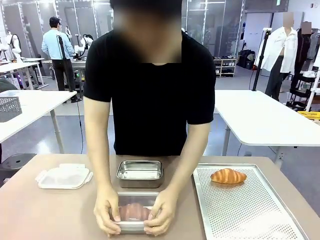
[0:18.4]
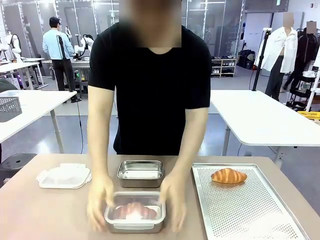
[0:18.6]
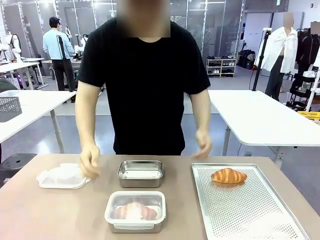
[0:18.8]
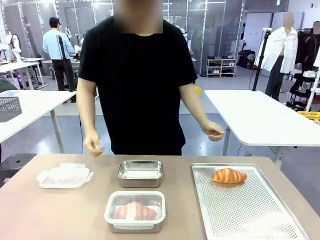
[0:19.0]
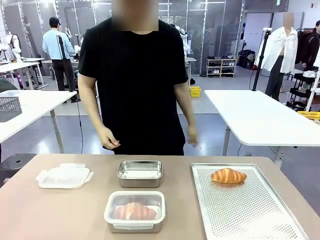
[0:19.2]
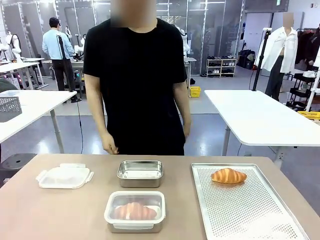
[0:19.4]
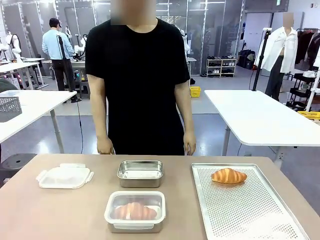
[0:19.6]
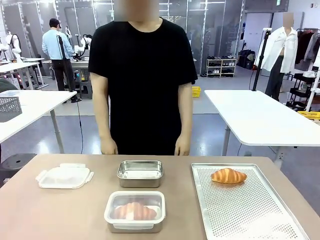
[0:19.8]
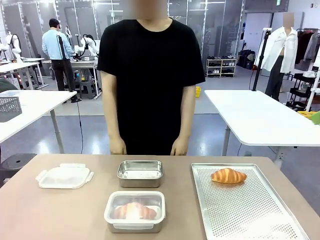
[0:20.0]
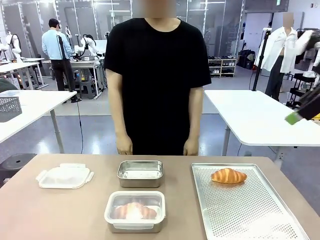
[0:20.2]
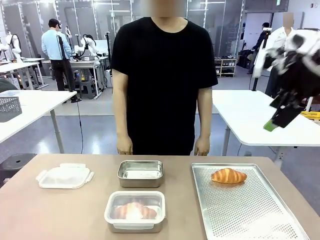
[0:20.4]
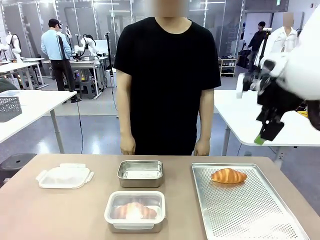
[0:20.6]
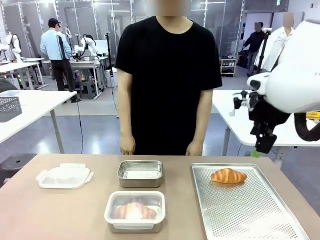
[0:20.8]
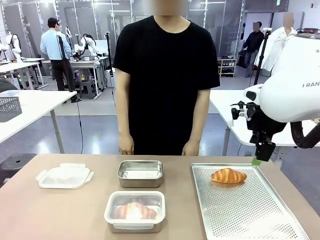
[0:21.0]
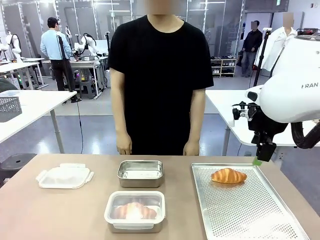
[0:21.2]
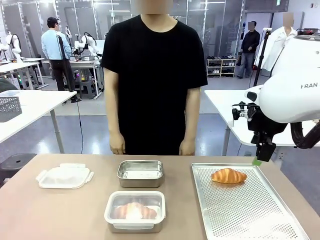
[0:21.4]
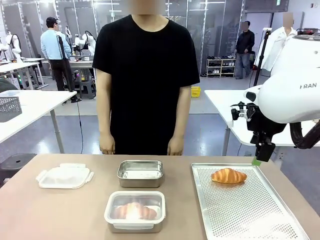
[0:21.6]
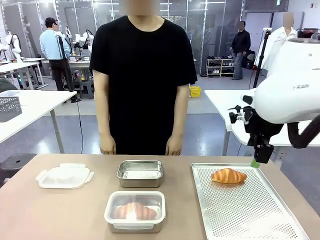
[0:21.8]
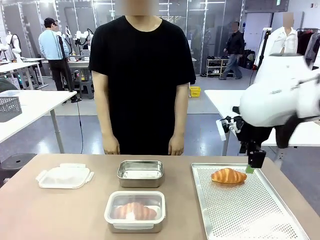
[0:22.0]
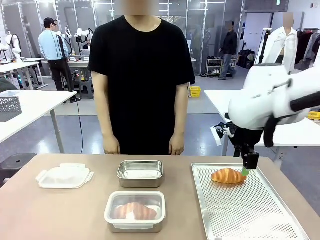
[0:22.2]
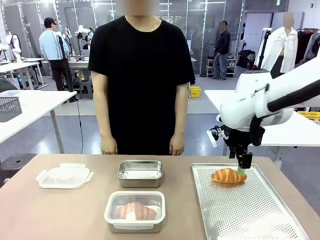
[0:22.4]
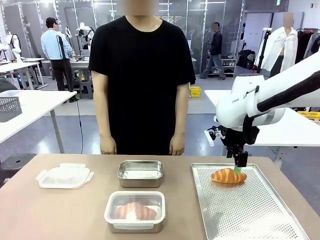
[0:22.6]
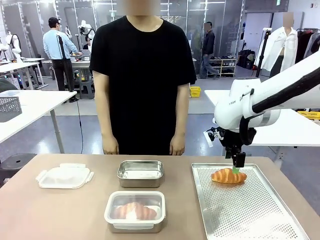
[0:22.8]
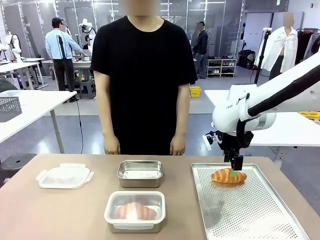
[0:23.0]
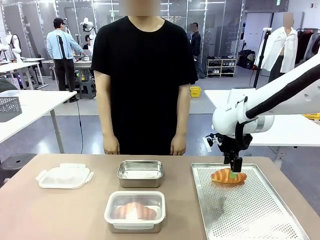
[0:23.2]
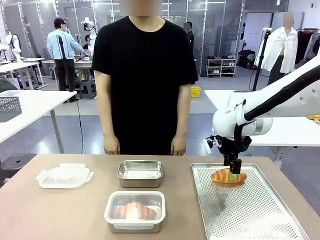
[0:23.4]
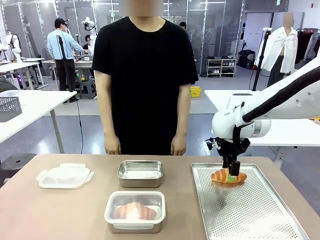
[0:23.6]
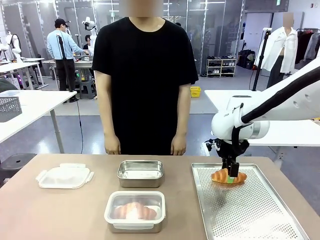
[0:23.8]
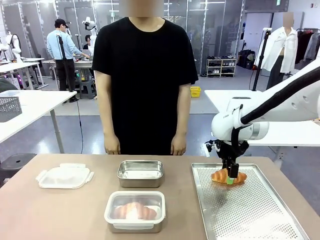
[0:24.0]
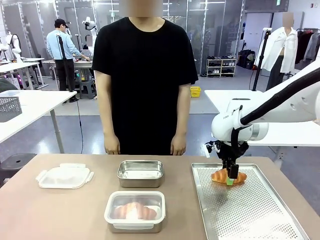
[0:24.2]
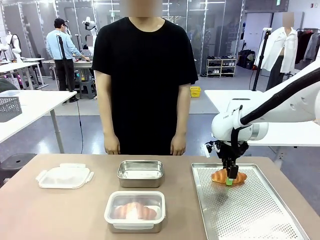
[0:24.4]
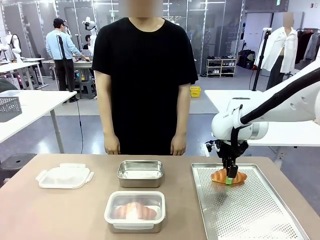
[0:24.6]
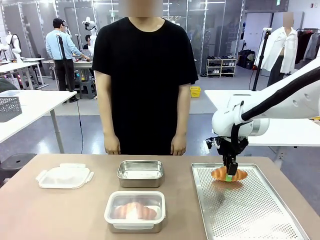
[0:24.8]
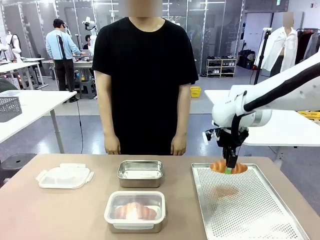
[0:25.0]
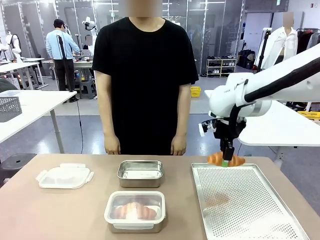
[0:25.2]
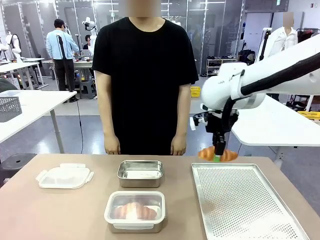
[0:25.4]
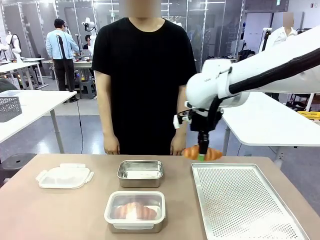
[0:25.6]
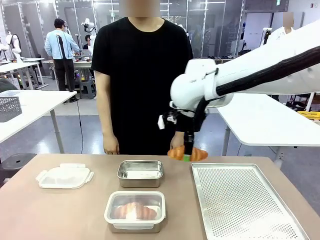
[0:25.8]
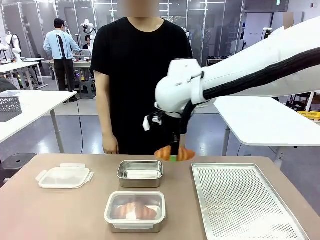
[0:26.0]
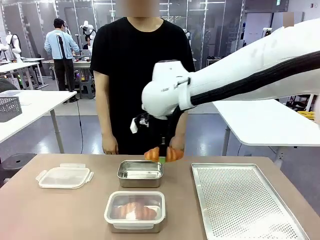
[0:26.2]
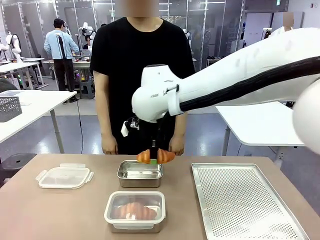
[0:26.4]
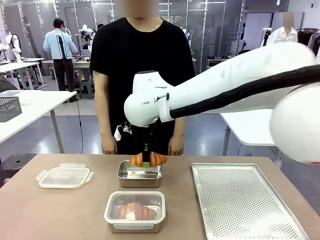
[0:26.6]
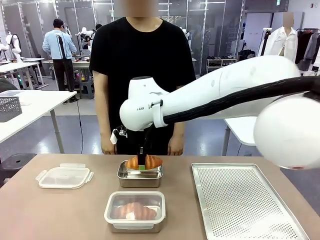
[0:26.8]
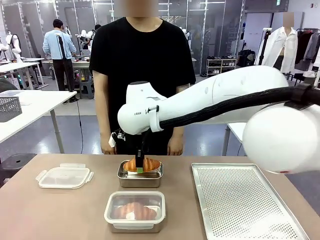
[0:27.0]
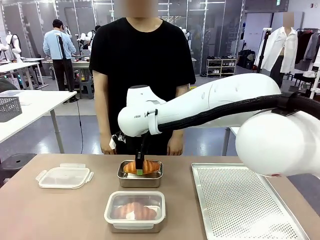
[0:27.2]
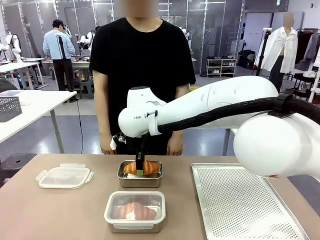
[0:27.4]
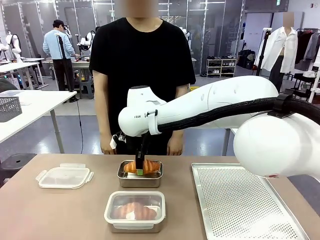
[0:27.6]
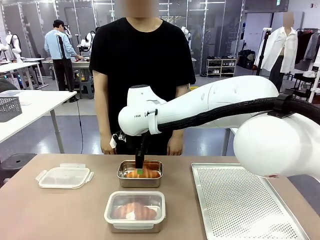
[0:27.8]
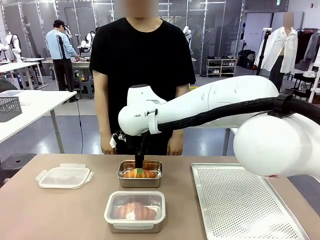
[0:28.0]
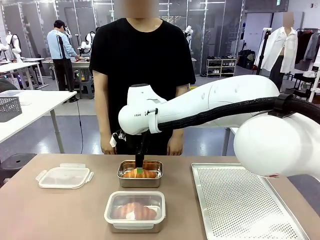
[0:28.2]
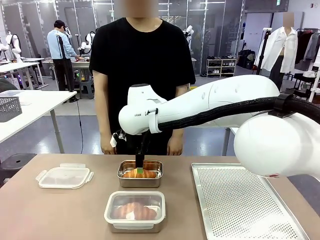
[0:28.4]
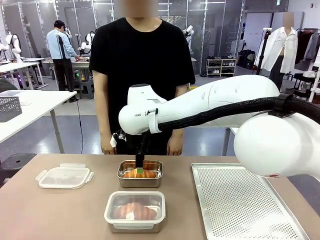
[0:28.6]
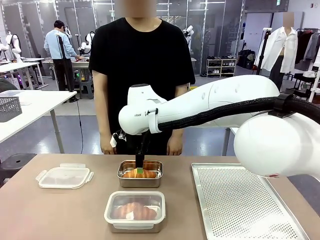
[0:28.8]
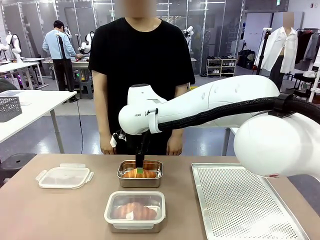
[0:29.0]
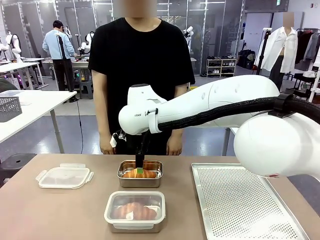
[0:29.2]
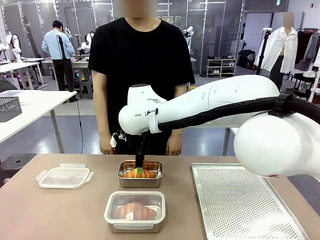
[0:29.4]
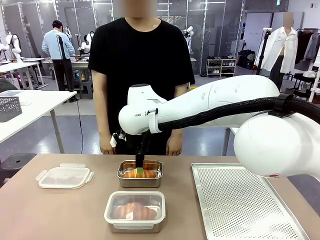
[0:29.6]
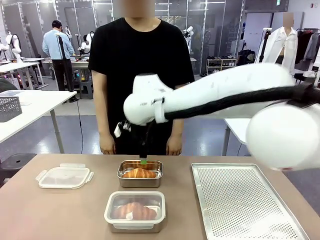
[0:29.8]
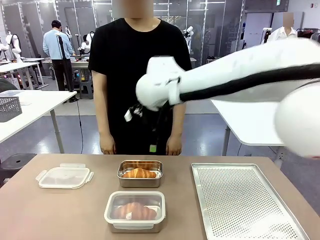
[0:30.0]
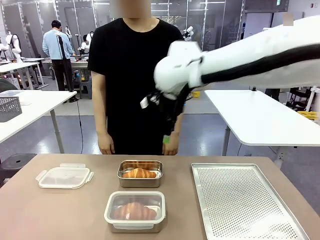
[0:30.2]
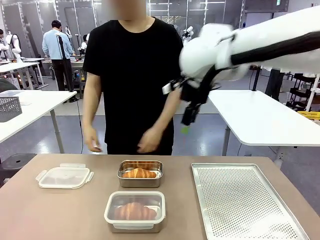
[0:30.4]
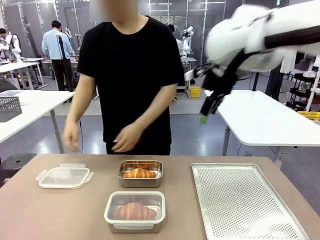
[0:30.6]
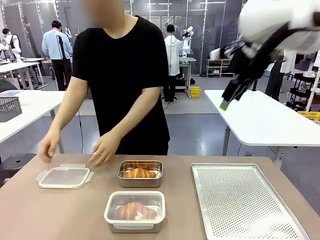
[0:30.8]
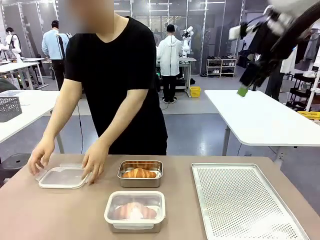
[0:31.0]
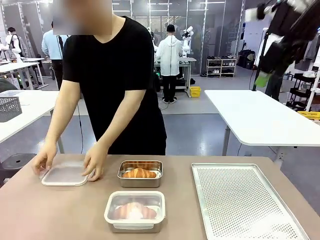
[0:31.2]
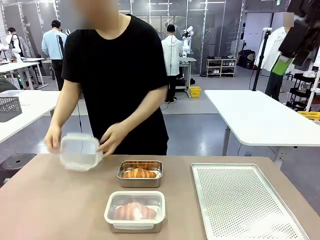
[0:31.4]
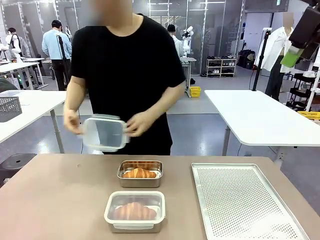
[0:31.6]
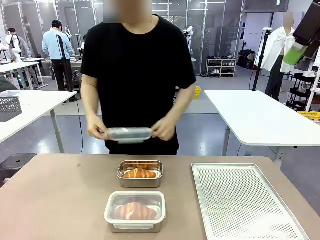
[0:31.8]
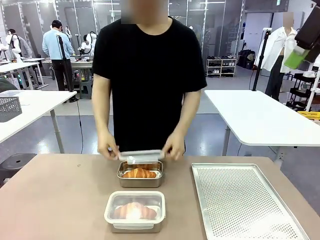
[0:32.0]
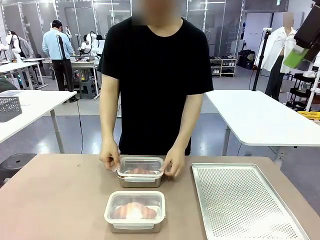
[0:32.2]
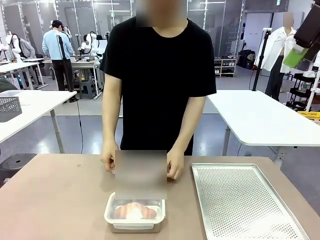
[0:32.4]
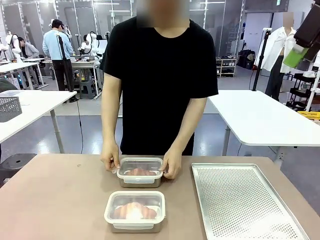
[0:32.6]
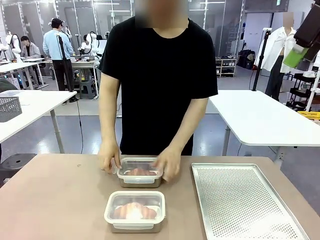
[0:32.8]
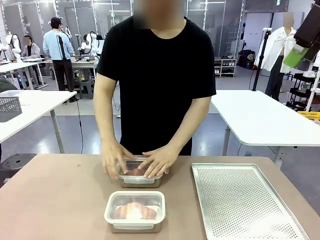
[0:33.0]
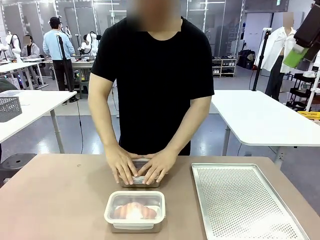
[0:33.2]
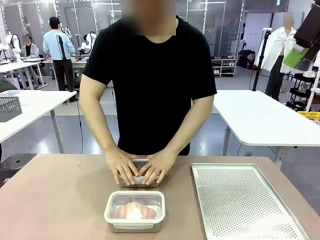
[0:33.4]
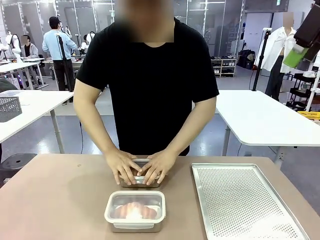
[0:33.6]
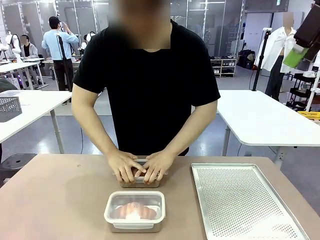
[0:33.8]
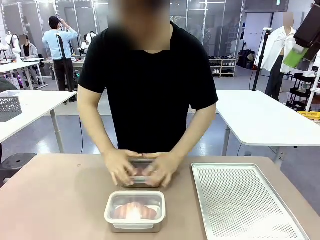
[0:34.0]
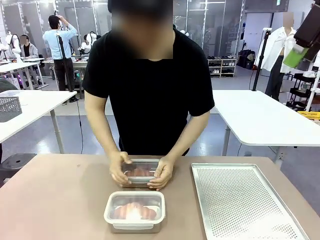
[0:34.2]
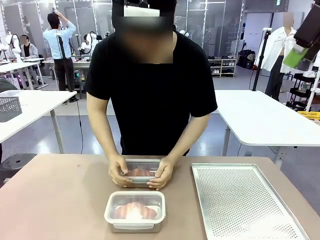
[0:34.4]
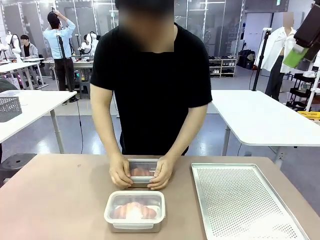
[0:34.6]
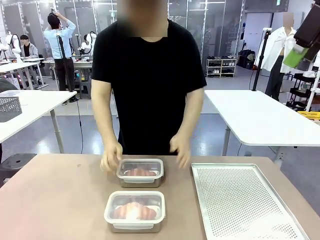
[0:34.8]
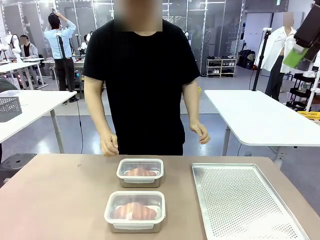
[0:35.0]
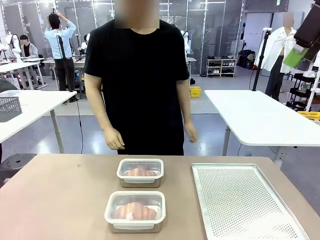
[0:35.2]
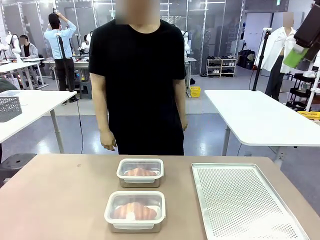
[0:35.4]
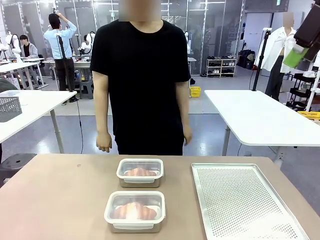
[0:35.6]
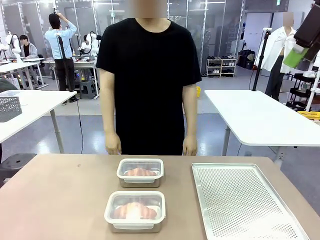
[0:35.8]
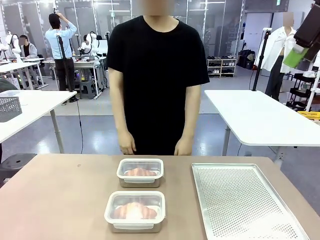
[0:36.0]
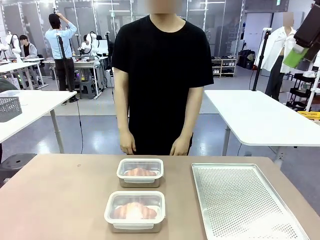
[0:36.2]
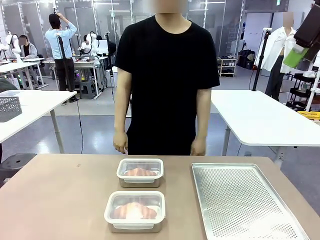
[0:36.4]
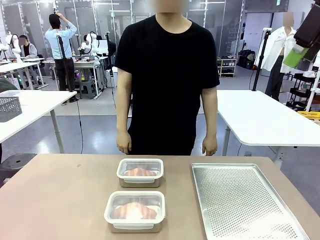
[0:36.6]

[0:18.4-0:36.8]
Task: Place the bread into the airtight container.
Robot: Pick up a Butter Roll and place it into an empty Airtight Container.

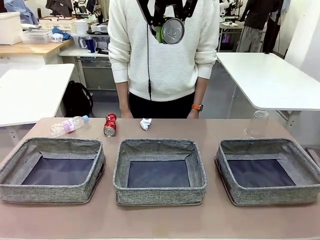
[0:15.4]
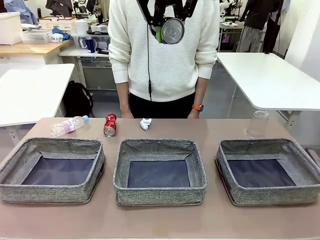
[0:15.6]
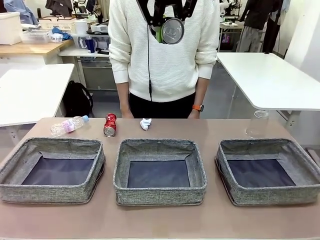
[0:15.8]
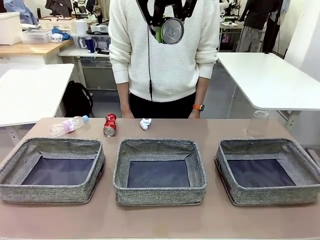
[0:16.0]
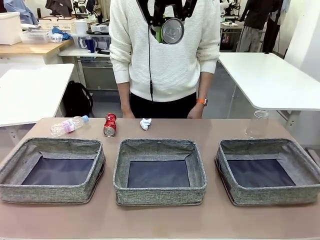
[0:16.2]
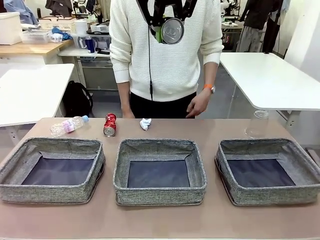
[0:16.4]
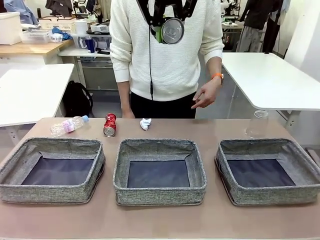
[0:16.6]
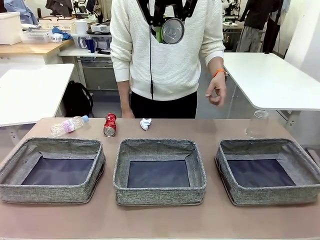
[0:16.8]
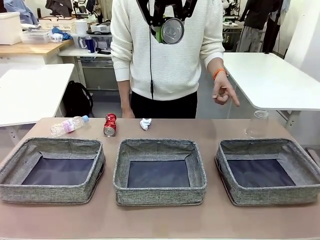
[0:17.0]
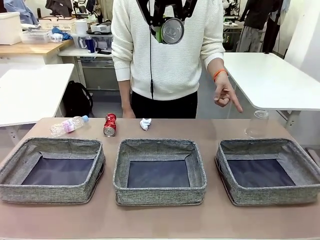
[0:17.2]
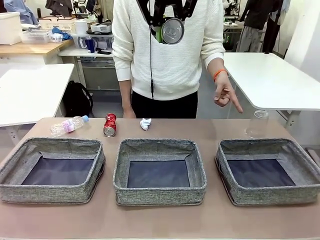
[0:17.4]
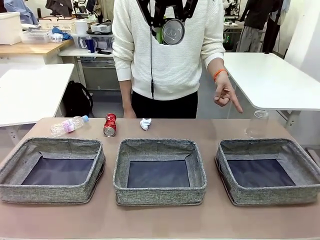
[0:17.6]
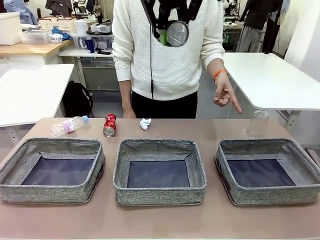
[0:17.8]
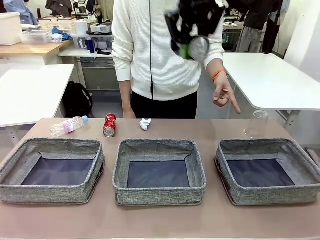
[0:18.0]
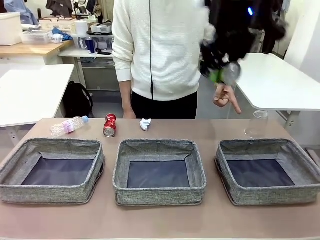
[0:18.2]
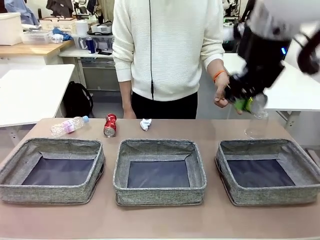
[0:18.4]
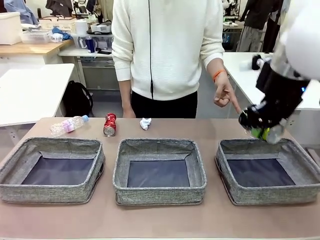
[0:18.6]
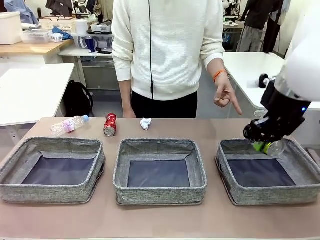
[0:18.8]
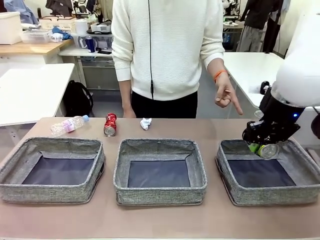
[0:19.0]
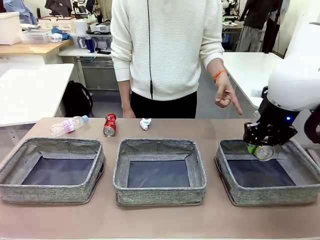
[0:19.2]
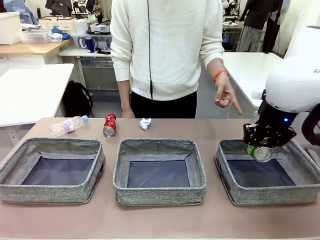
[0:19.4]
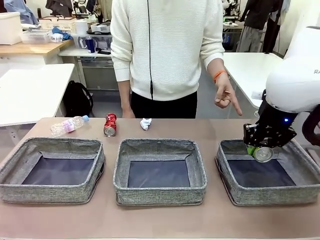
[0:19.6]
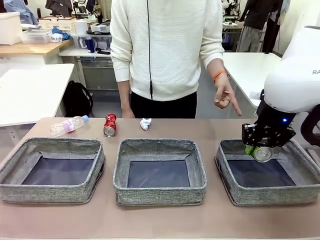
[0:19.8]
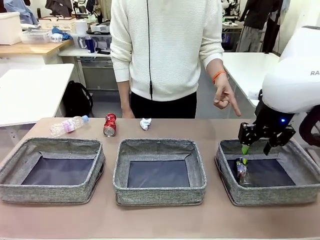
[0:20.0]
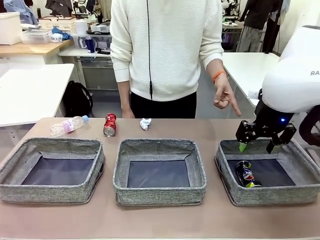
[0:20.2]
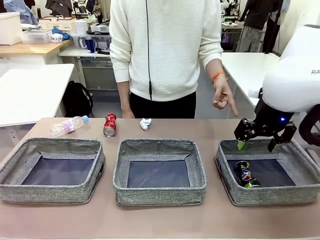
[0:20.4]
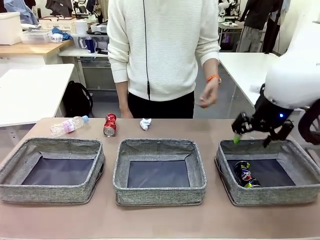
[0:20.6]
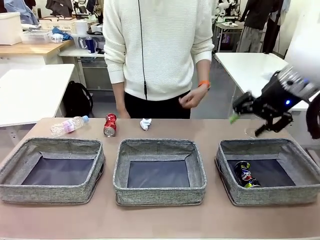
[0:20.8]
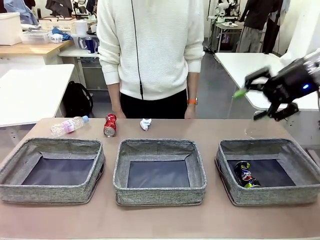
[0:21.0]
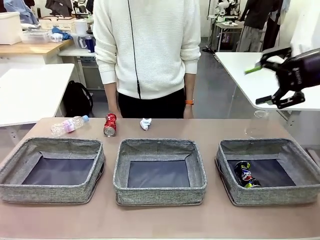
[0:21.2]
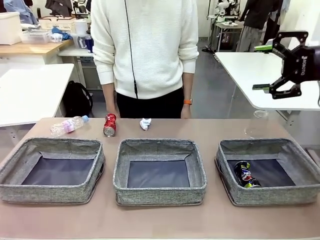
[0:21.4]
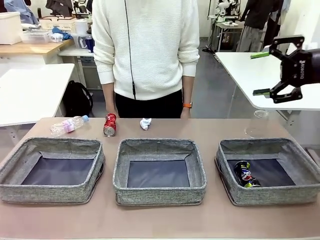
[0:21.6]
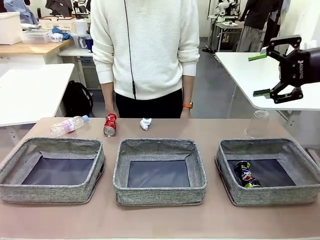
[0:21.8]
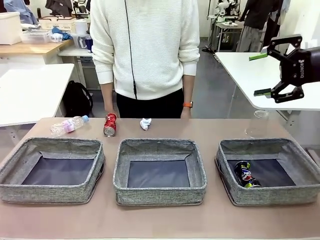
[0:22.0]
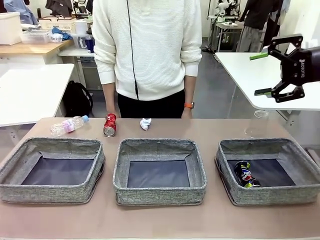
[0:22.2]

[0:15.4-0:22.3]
Task: Sort the waste into the appropriate baskets.
Robot: Place the picked waste into the Fabric basket indicated by the person.
Person: Instructs the robot to place the picked-up trash into the appropriate organizing basket.
